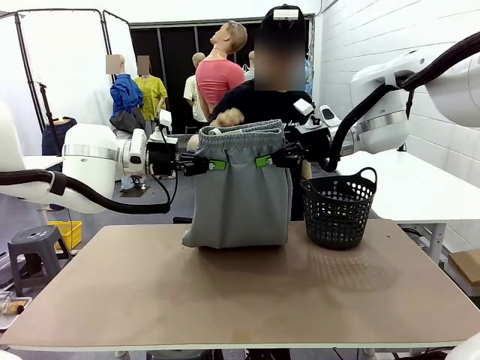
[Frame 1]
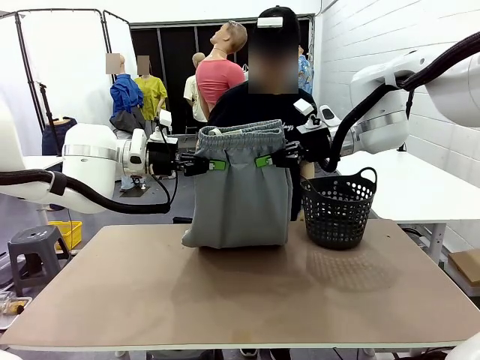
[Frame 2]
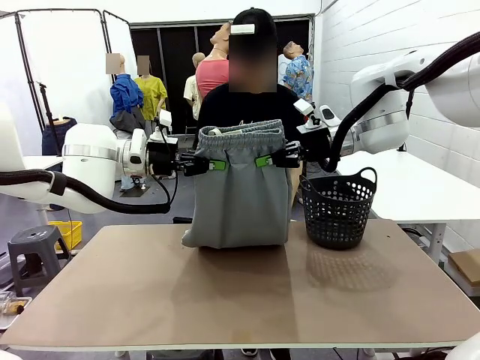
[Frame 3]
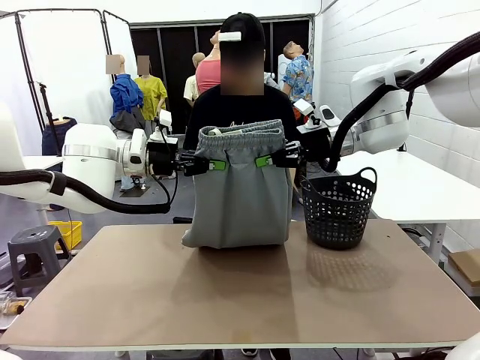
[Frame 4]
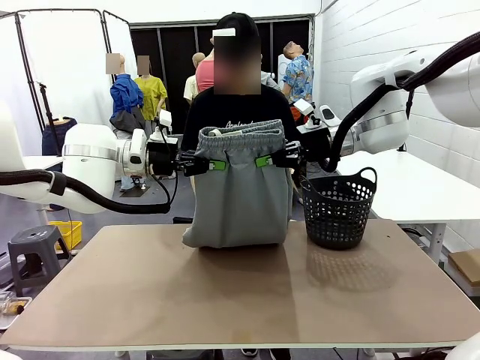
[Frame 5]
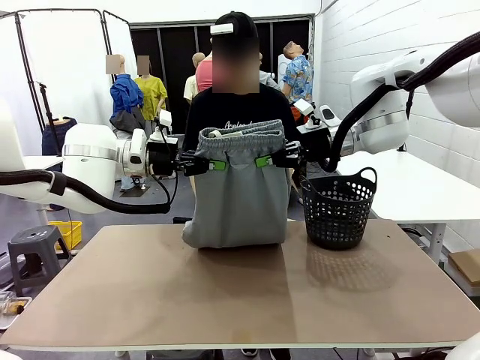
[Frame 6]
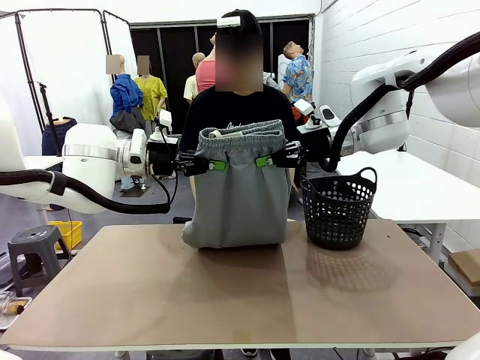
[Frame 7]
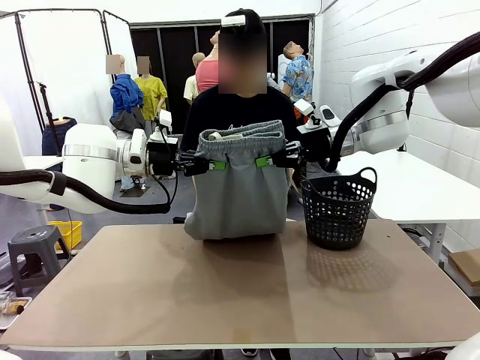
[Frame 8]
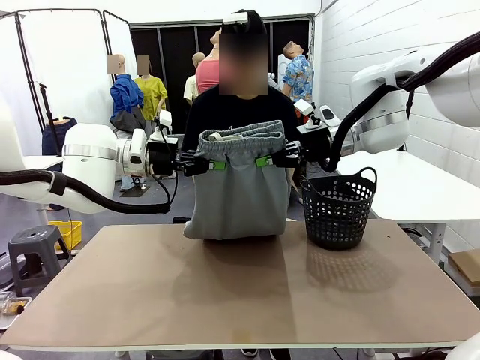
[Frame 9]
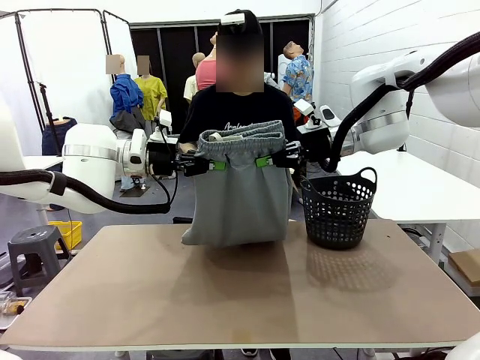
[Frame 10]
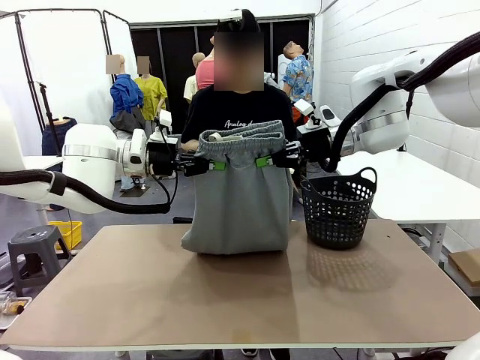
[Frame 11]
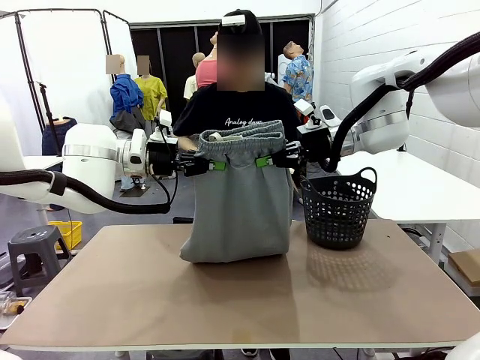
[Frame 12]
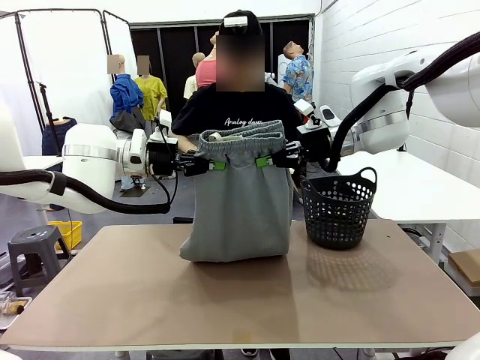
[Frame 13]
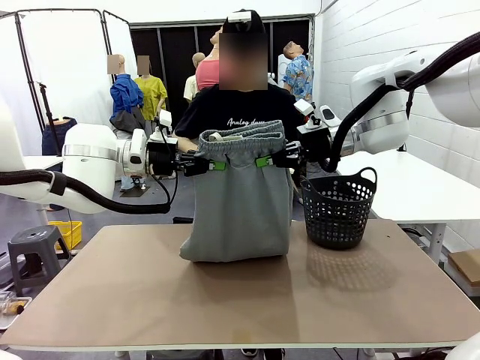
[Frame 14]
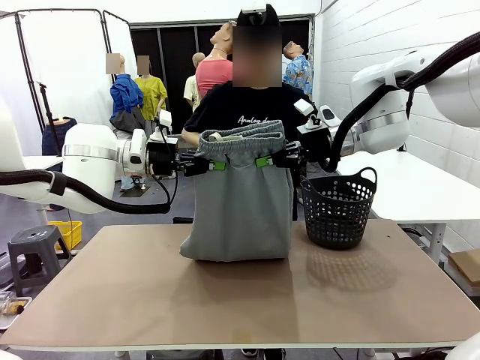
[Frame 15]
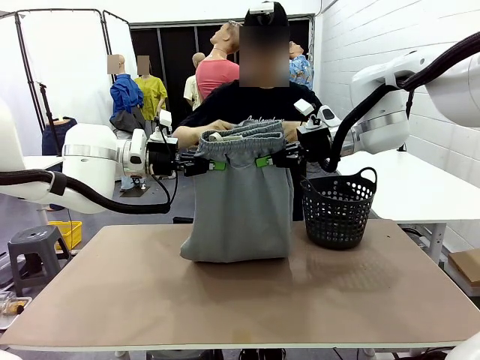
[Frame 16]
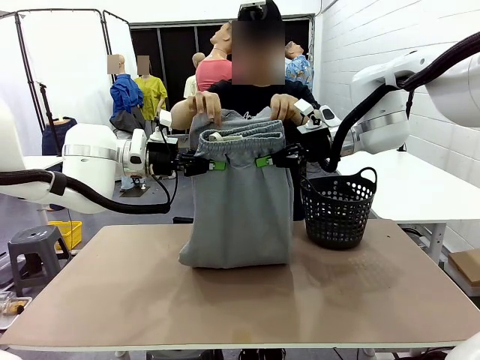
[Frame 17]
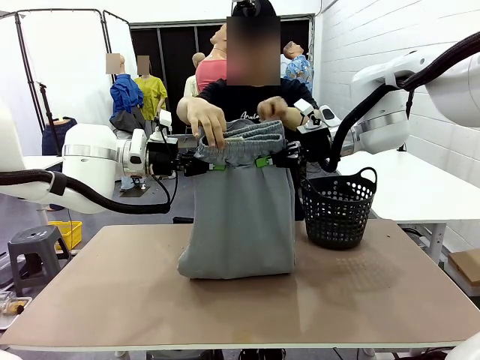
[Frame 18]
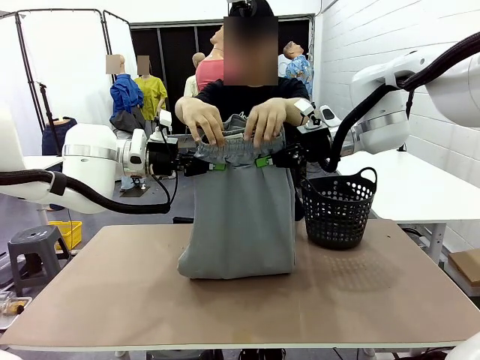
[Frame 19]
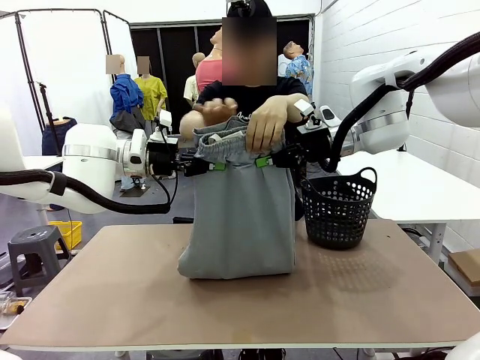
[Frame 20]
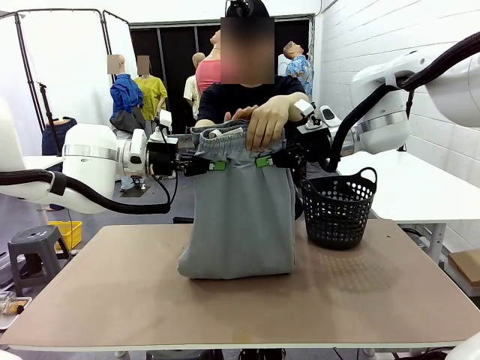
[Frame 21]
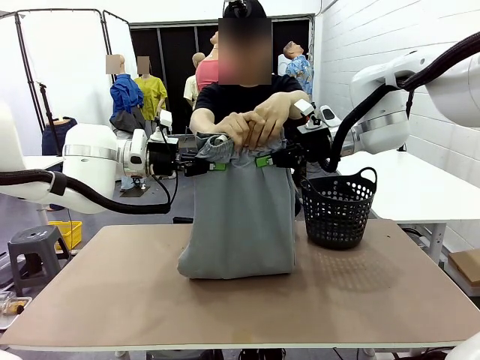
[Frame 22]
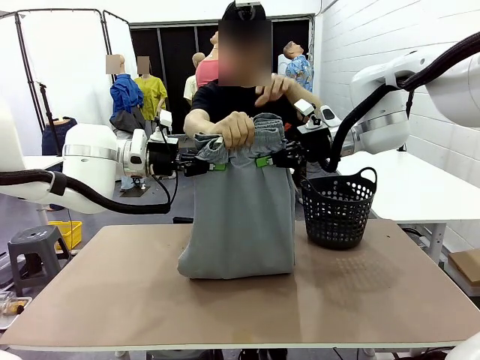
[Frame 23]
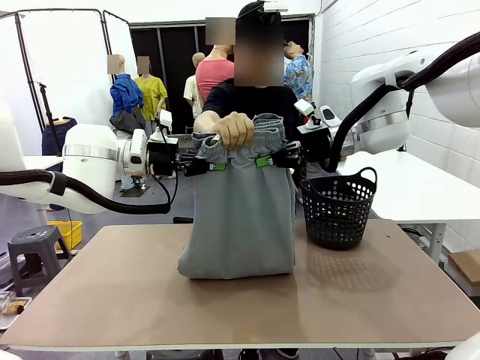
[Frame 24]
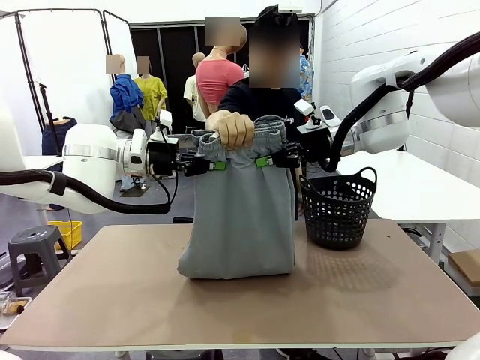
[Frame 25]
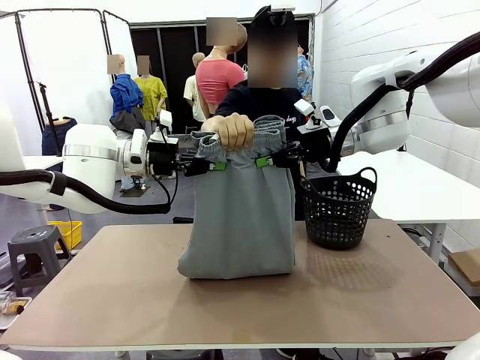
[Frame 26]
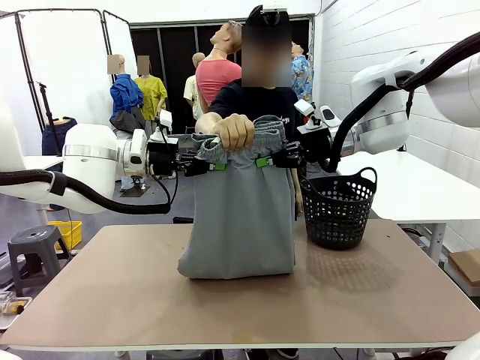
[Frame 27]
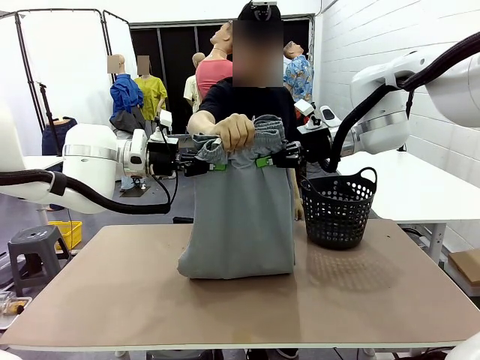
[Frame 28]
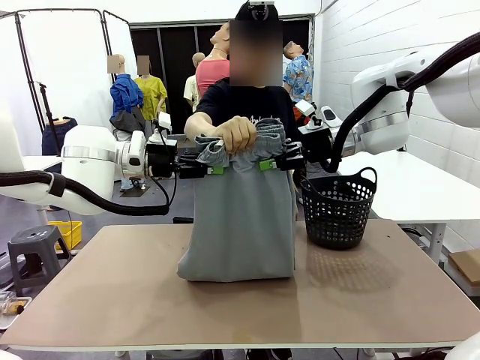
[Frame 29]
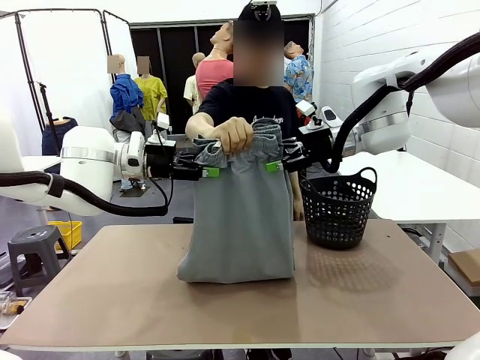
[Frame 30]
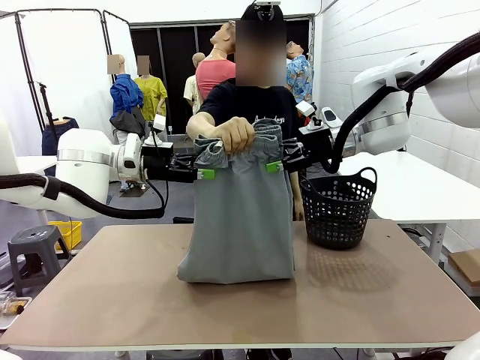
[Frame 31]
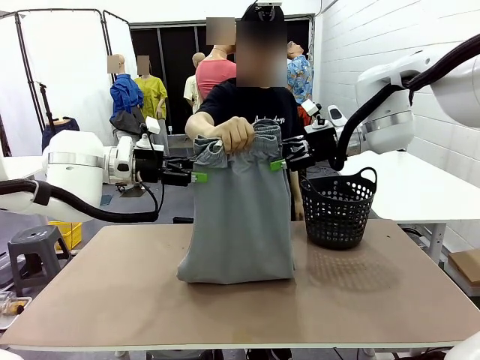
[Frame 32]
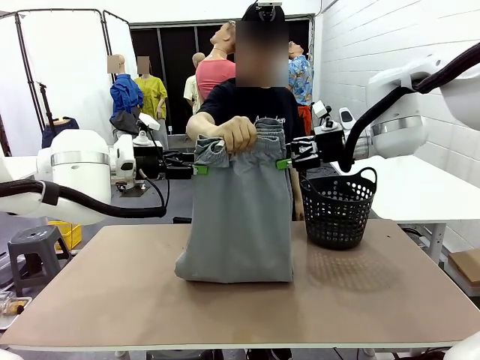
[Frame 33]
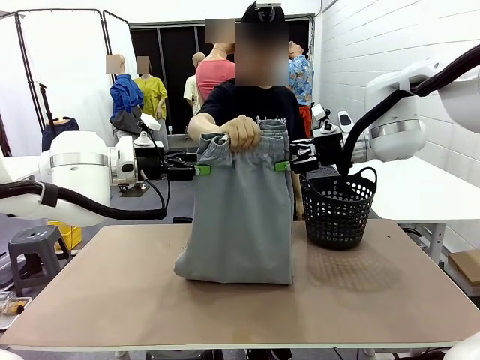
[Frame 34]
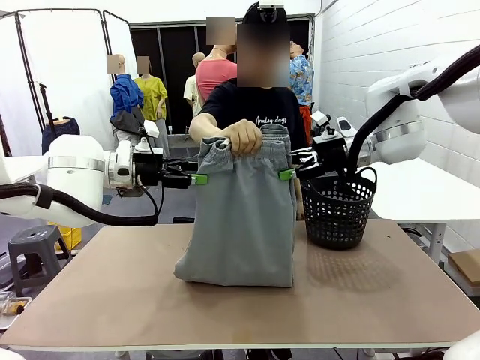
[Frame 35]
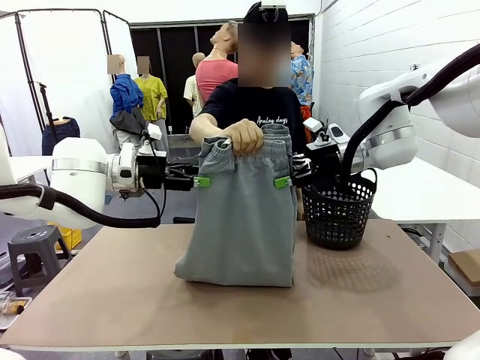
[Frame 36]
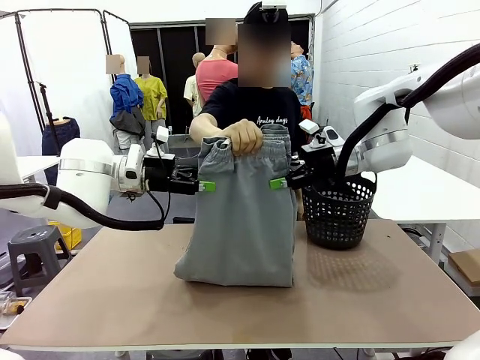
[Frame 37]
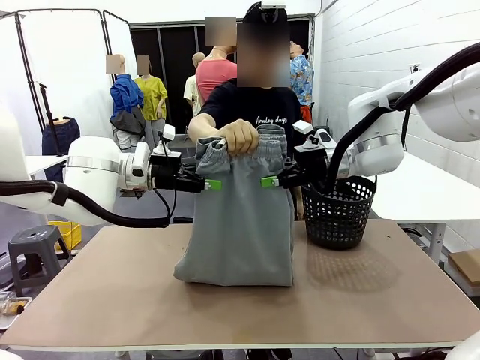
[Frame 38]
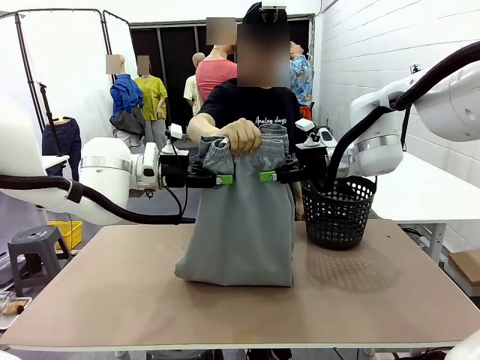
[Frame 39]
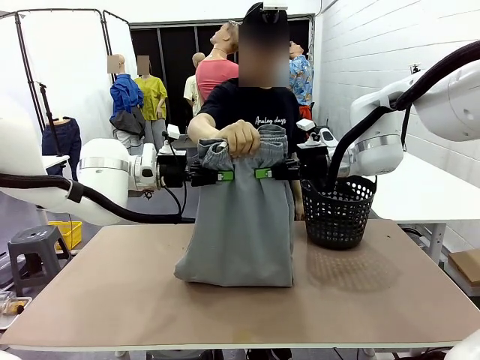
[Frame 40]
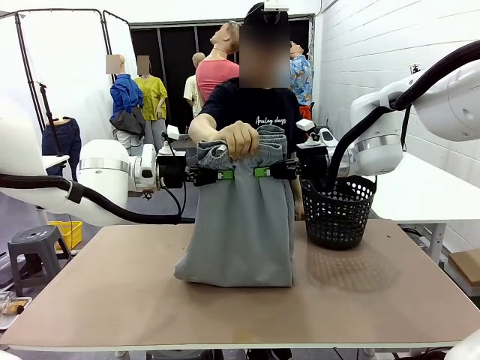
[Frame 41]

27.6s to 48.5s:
Task: Fold the training pants.
Robot: Release the ends of the Training pants and then grab the overlapped ends.
Person: Grasp the end opposite the point the robot is holding, fold the pants in half, and then grasp the overlapping top end of the folded pants. Release the pants you were holding.

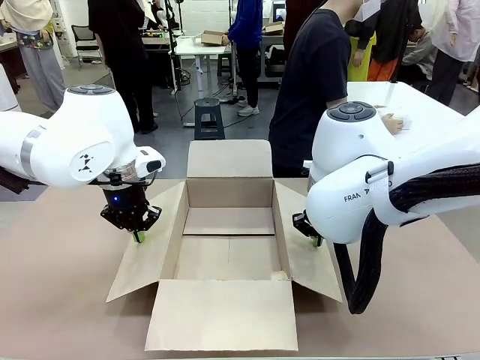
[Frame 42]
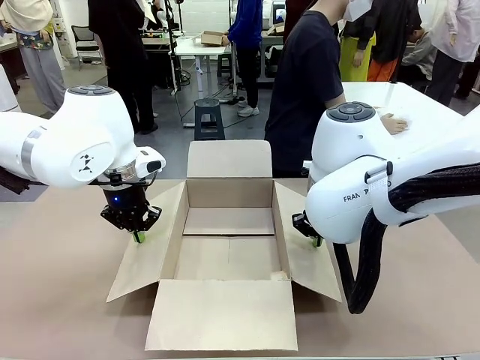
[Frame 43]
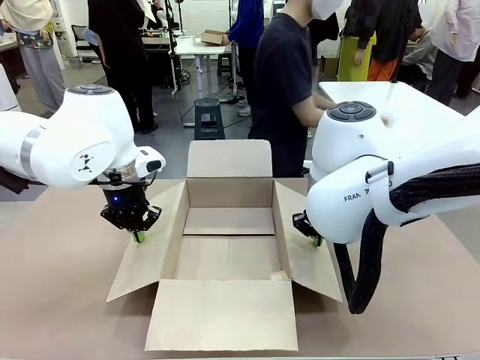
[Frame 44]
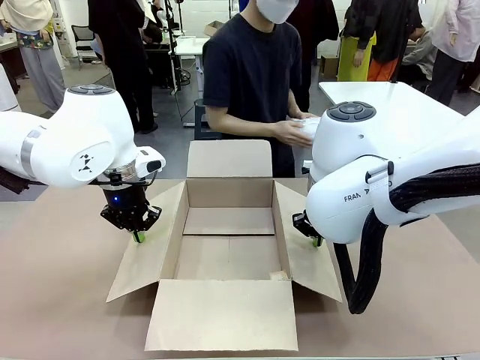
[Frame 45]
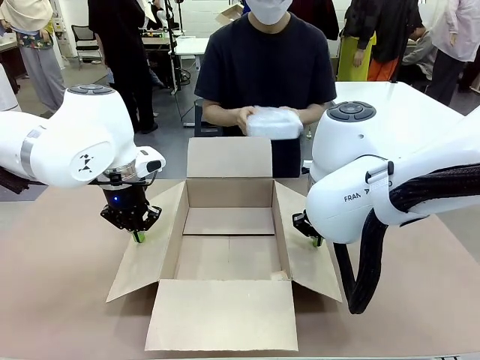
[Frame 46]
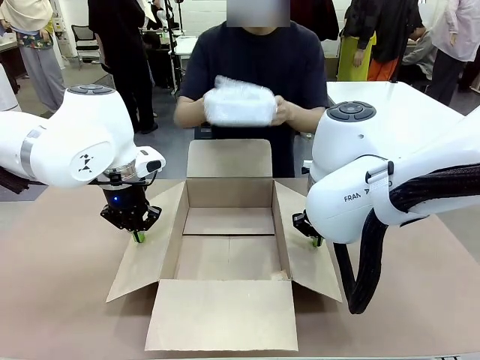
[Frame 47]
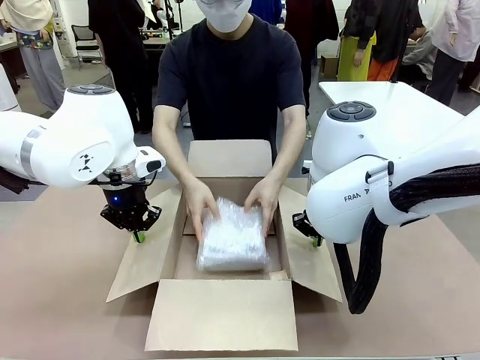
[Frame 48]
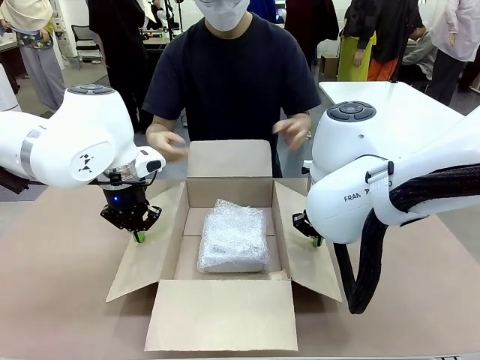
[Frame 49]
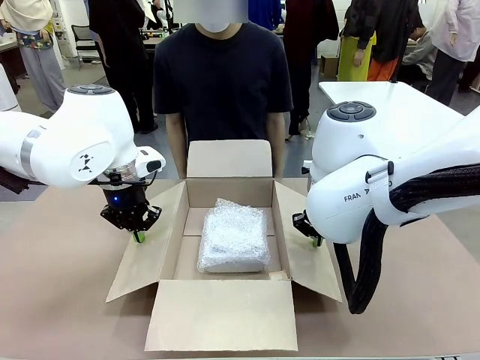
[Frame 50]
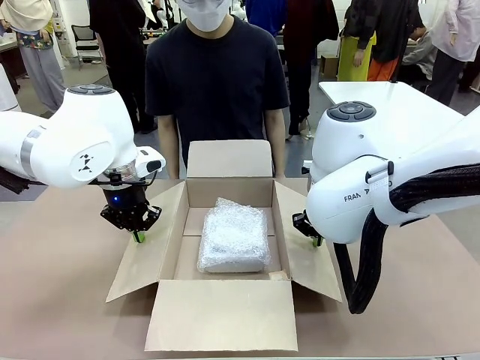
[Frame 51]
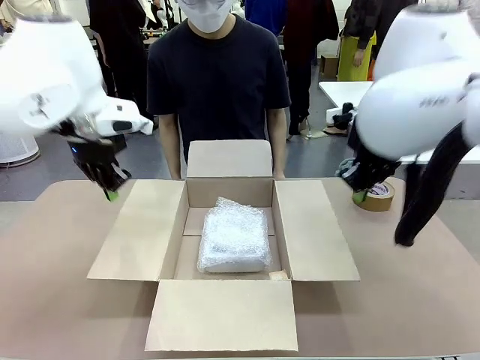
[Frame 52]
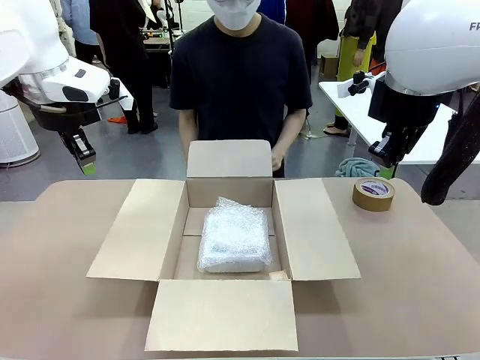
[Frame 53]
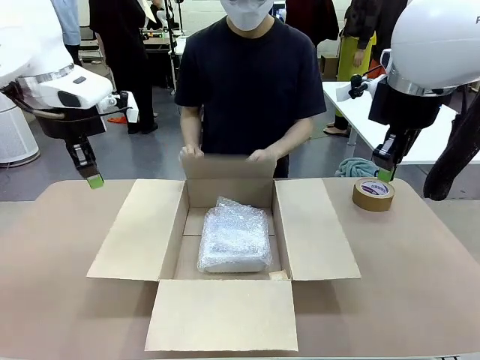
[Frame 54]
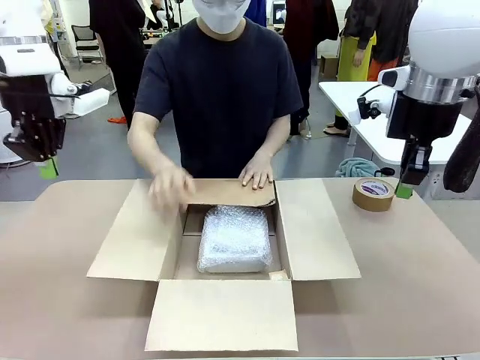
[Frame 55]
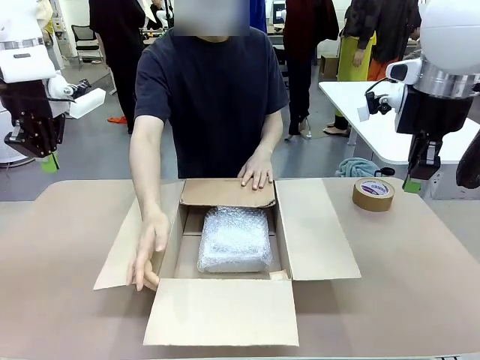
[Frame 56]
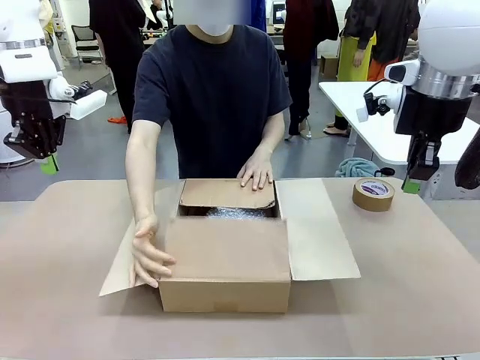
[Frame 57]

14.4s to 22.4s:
Task: Wrap the clocks to prevent damage.
Robot: Once the human has placed the objects inside and stepped back, release both hands from the side flaps of the Package Box.
Person: Place the wrapped Digital clocks inside the Package Box. Hold the top and bottom flaps of the Package Box closed with your left (or right) hand.
